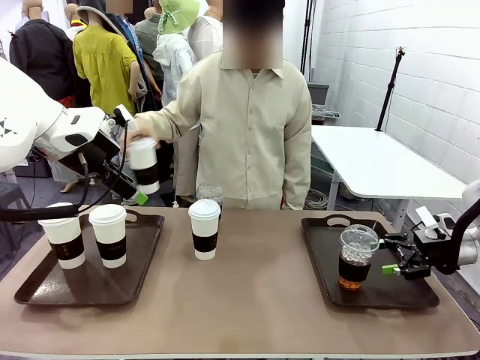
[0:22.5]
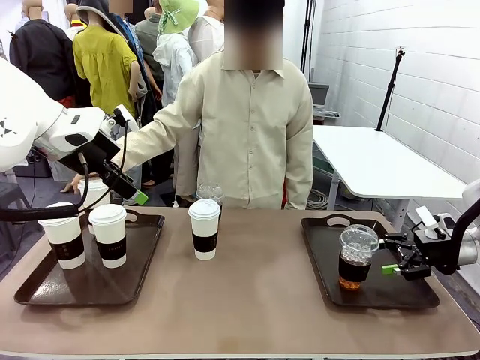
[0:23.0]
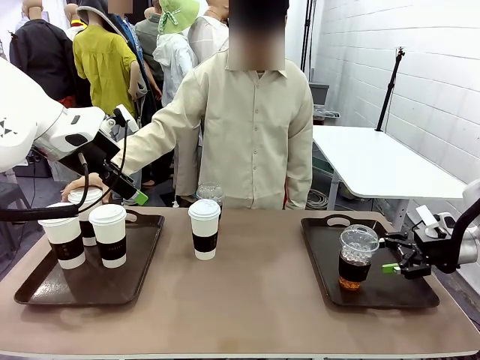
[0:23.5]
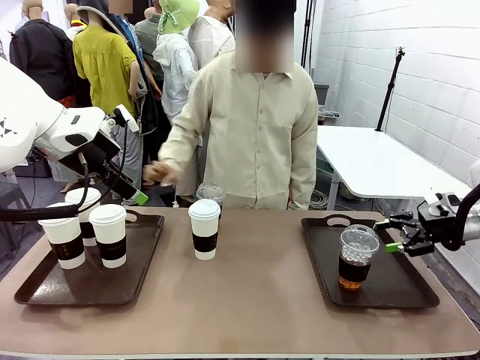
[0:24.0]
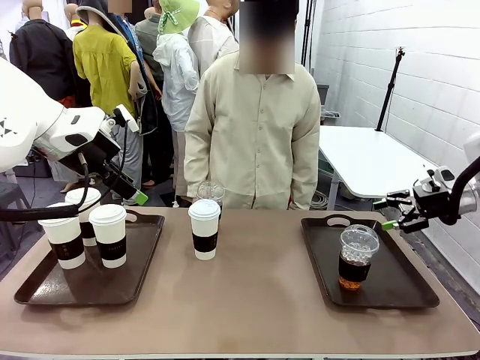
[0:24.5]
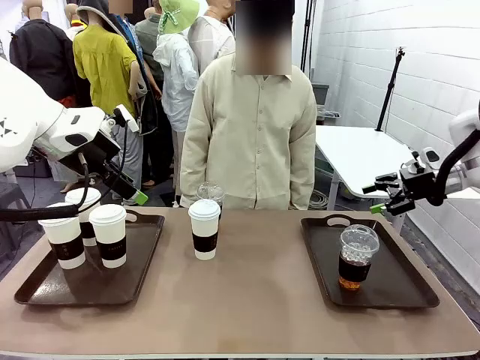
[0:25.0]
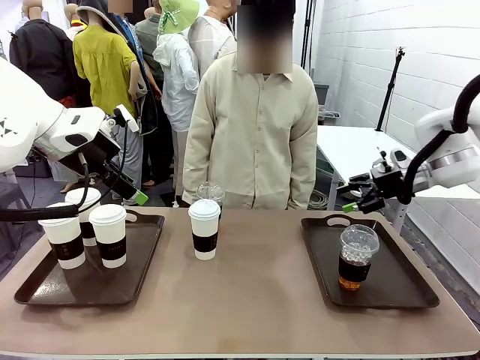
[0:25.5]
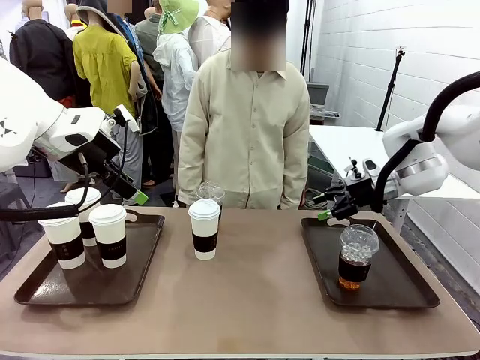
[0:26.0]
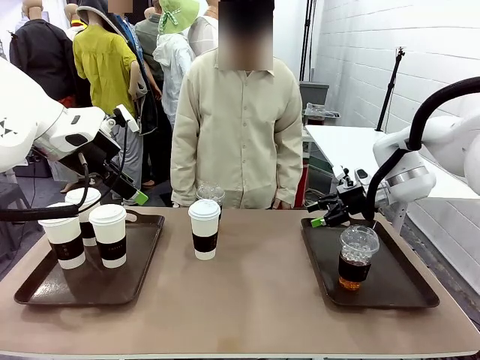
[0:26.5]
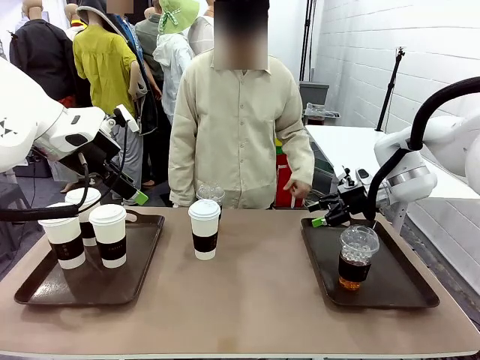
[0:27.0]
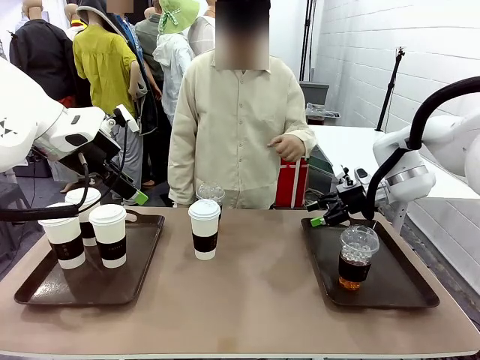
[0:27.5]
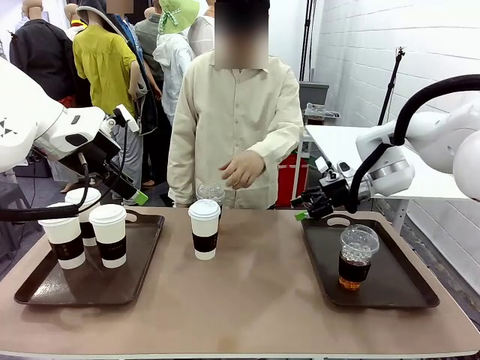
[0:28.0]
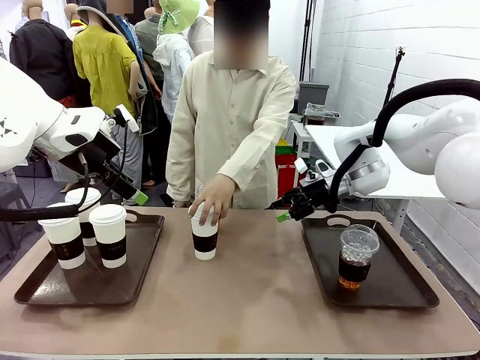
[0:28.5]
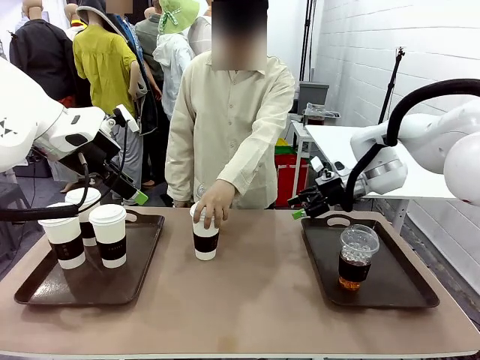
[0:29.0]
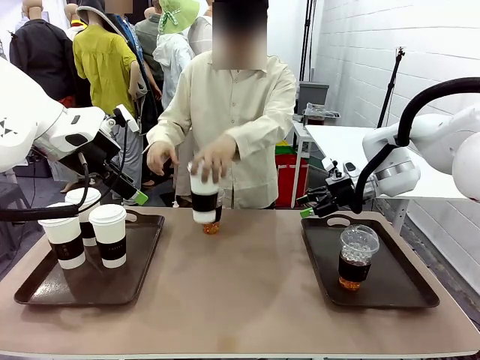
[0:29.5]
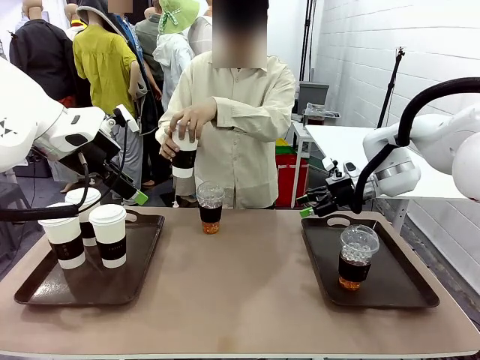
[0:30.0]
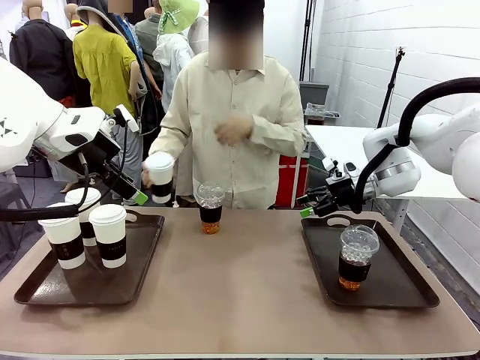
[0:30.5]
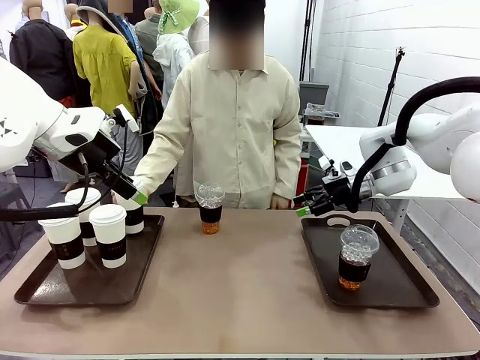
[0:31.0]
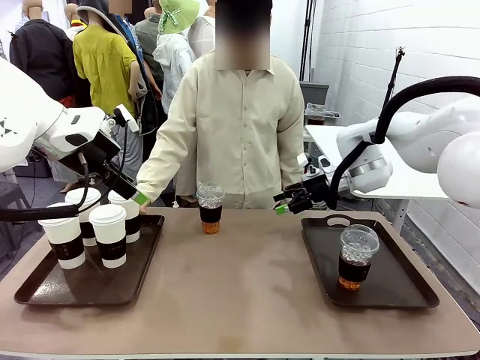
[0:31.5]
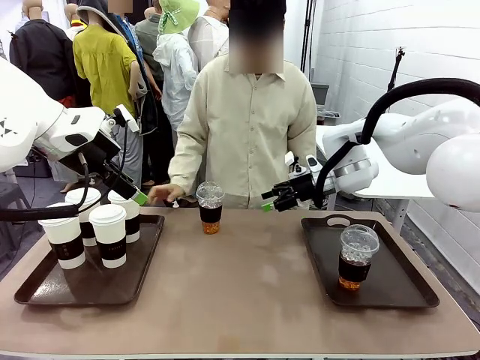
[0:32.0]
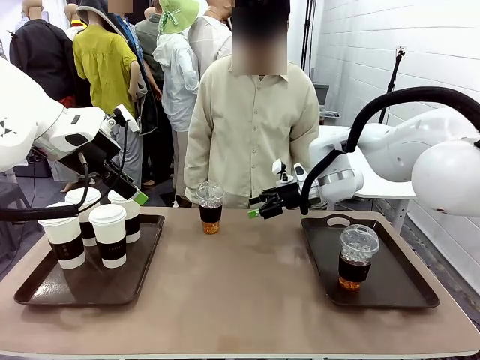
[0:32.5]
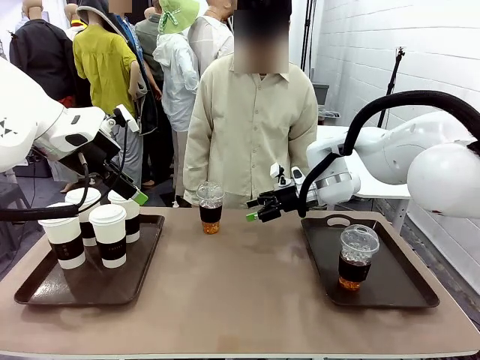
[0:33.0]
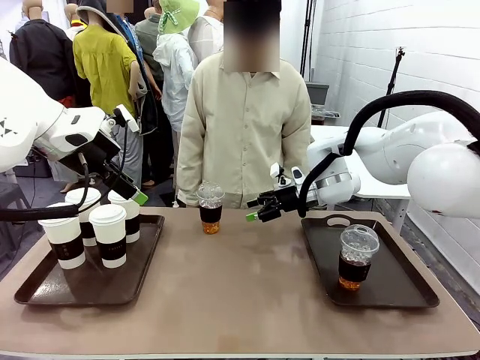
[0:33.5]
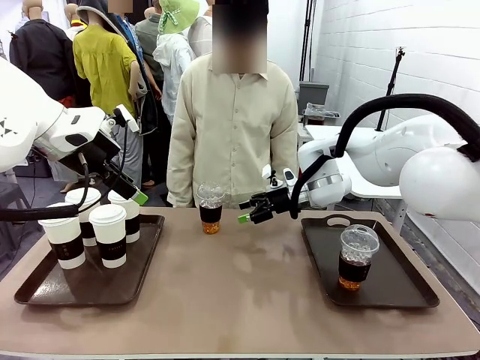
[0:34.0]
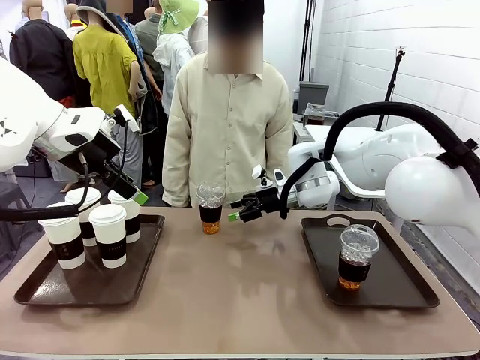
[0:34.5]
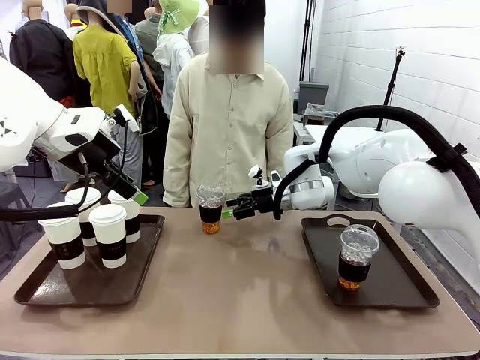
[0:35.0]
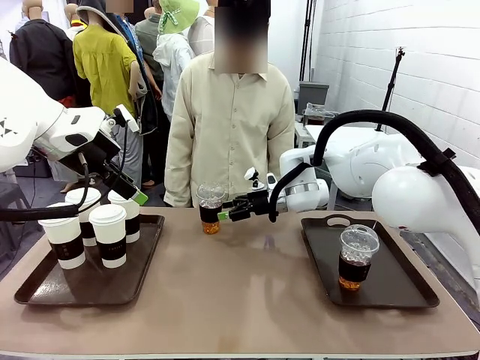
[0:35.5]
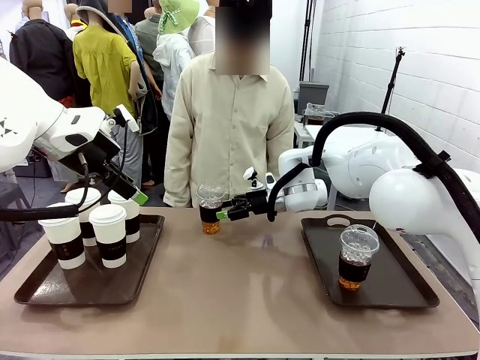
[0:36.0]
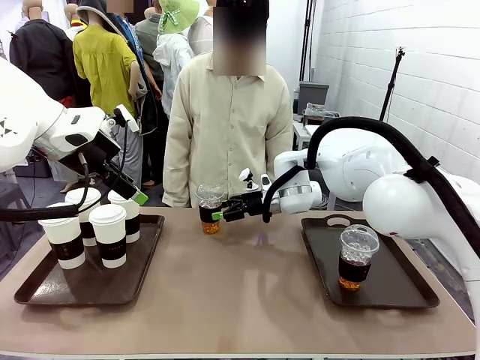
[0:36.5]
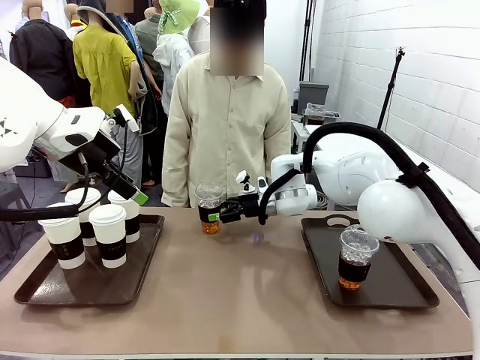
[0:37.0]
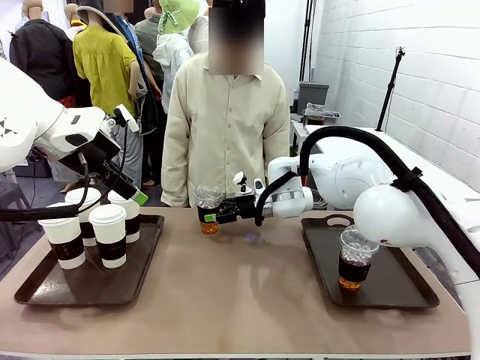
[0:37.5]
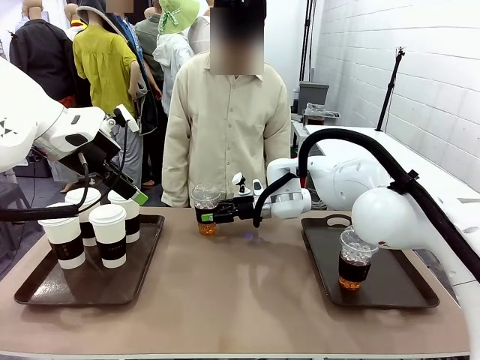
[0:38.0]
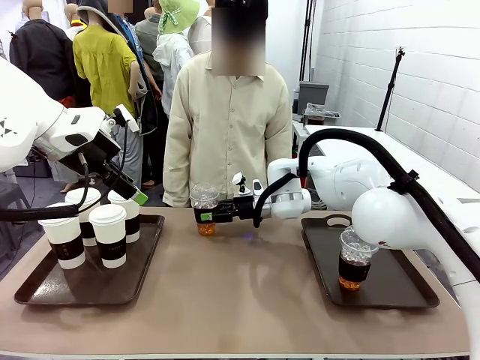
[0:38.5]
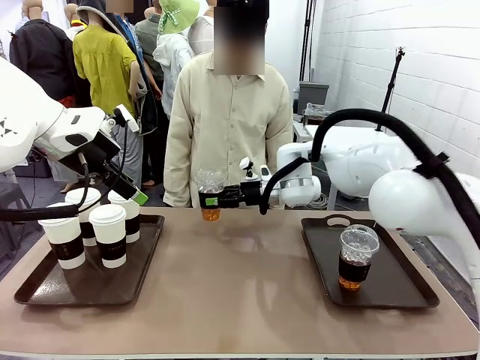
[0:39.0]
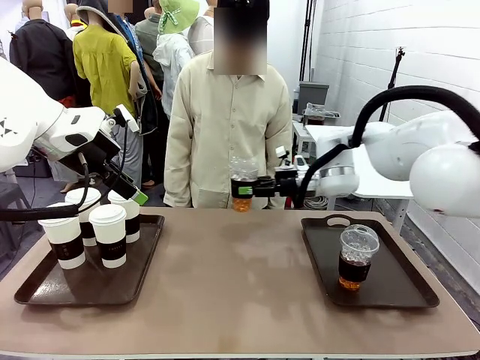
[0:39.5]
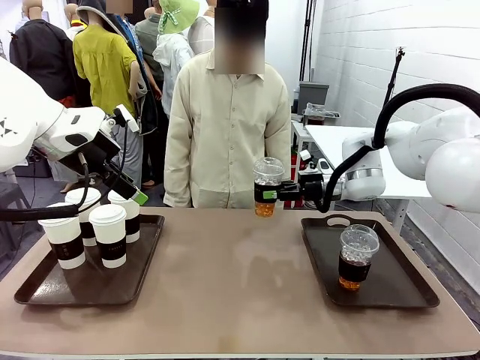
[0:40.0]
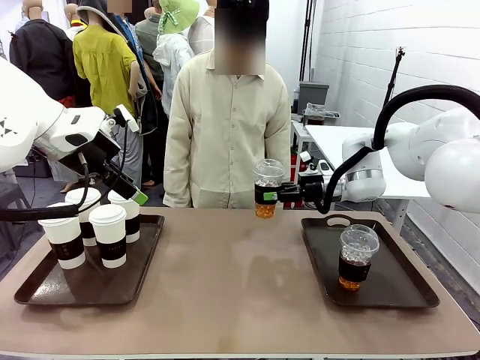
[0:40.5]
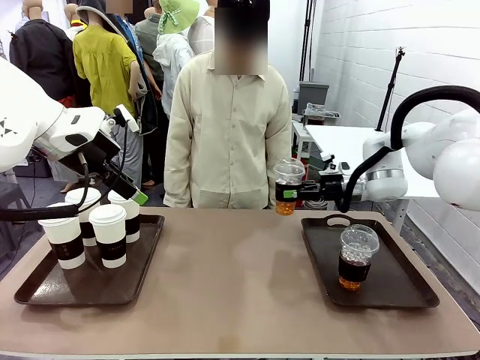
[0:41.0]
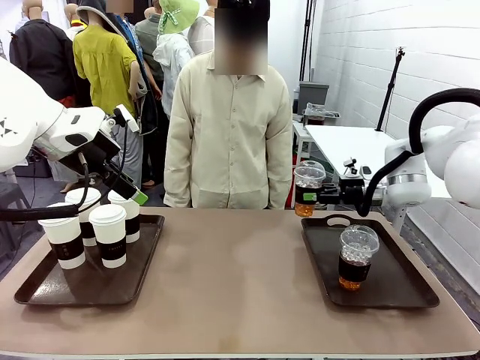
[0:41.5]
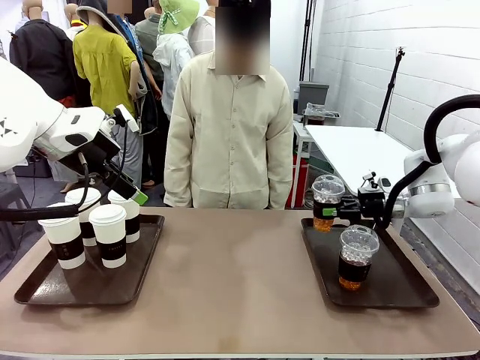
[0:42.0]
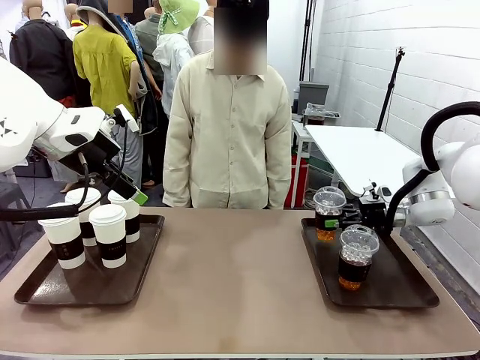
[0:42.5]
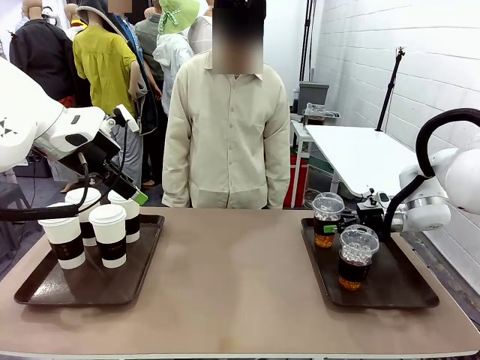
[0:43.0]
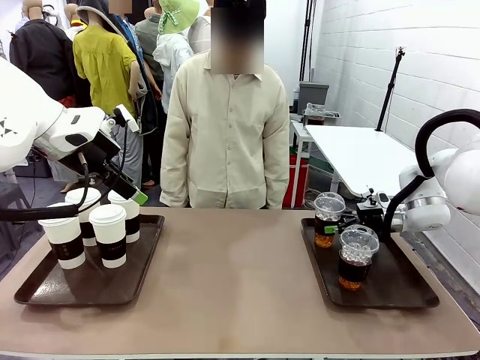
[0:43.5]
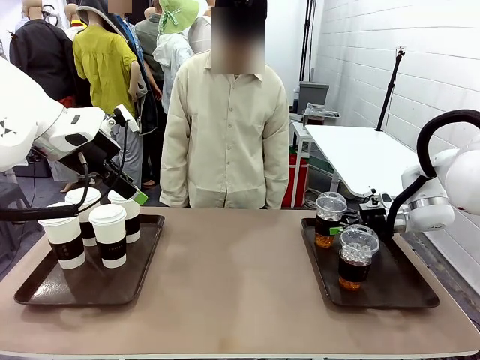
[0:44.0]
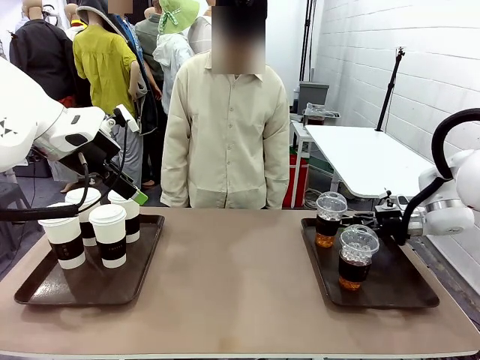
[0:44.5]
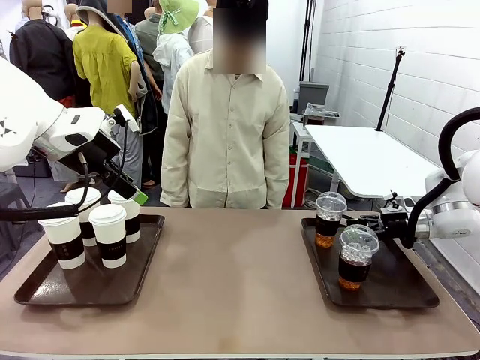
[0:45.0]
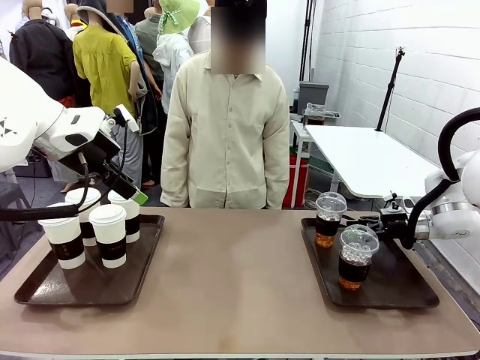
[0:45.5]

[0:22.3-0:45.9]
Task: Distribute the coffee onto the tray.
Robot: Pick up another iced Americano from the middle of the table and place it on the right Handle tray.
Person: Pick up a cup of hot Americano from the middle of the table and place it on the right tray.

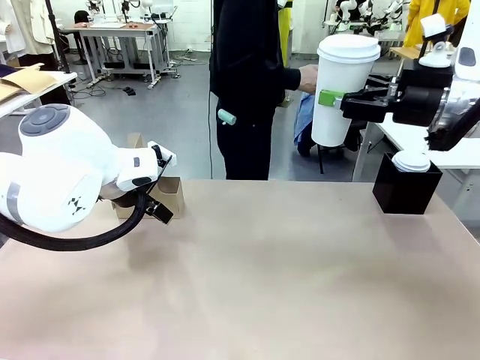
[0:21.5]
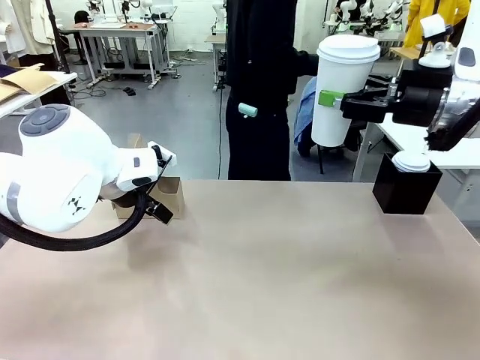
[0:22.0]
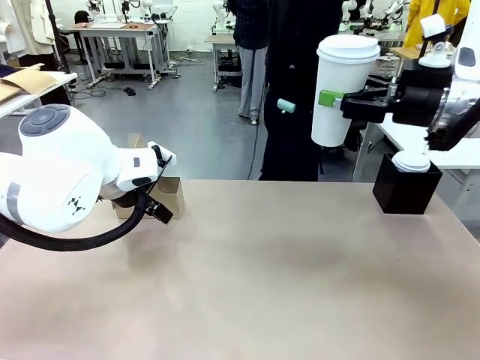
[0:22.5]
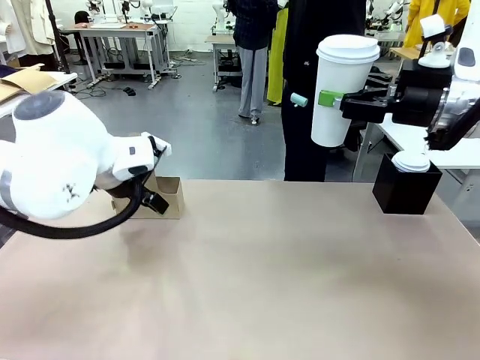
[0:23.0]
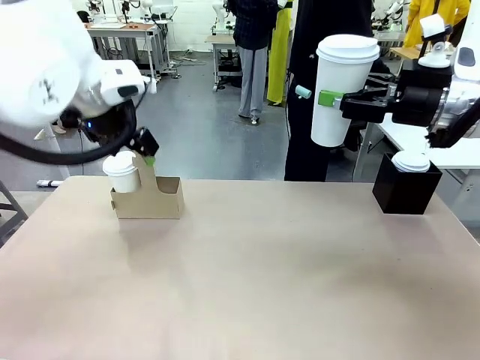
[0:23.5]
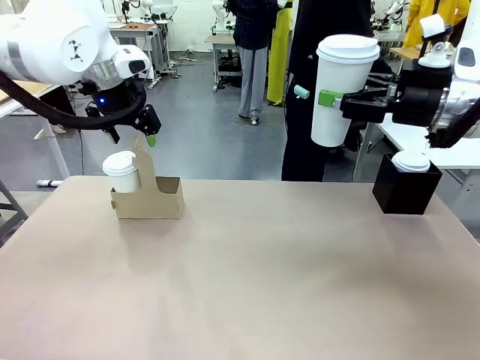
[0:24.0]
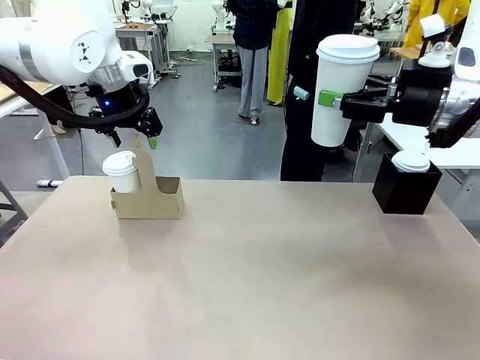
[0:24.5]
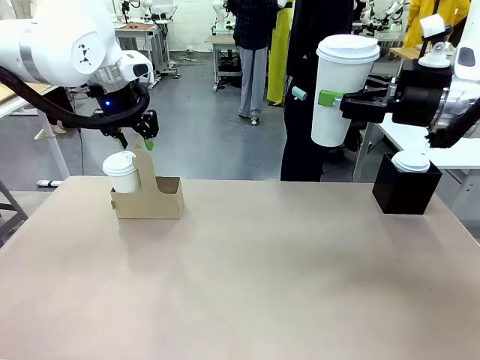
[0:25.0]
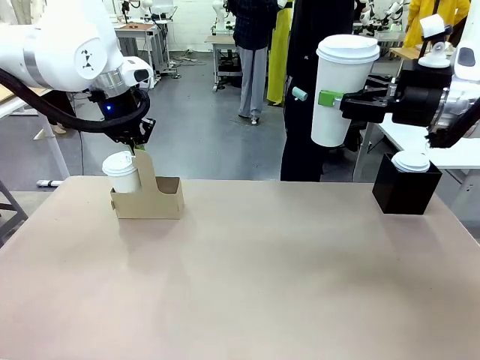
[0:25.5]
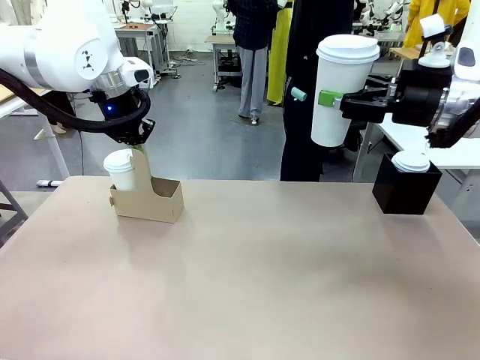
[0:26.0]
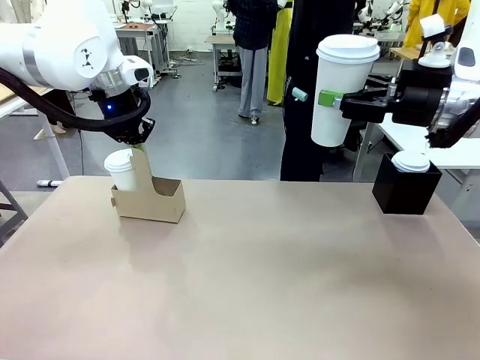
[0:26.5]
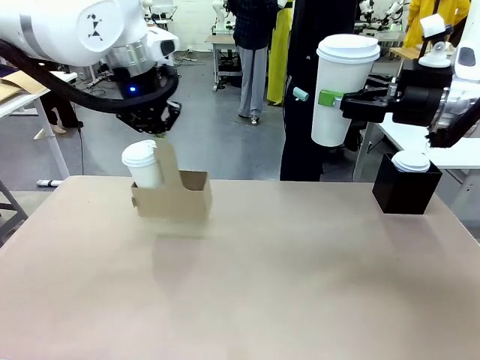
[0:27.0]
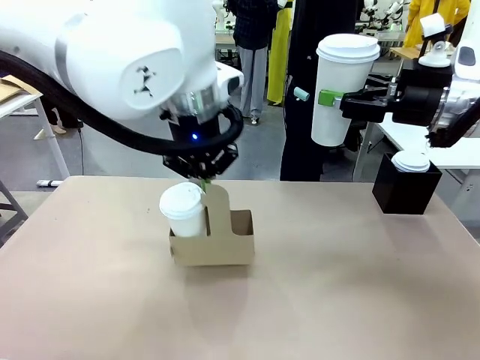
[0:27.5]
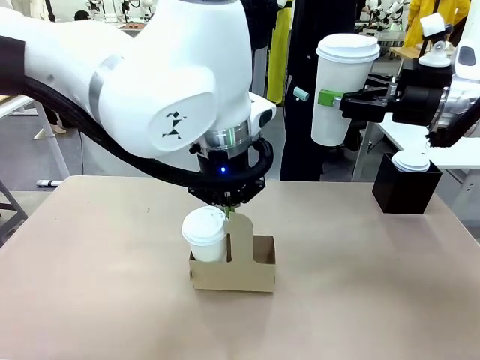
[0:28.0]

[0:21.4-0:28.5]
Task: Pour a drink into a cup and package it in a carrier.
Robot: Position the Cup Carrier in the center of the table.
